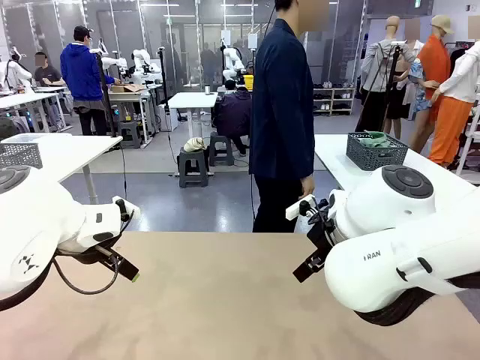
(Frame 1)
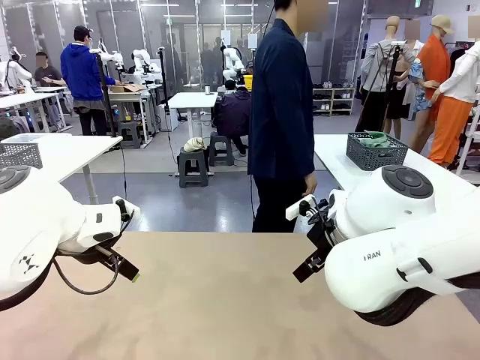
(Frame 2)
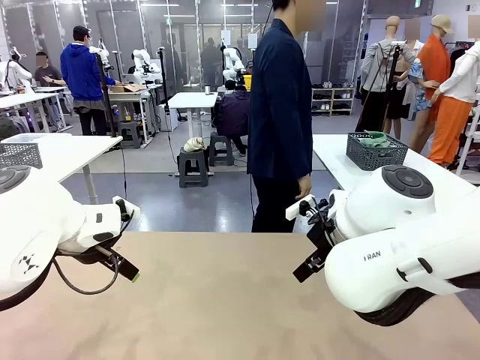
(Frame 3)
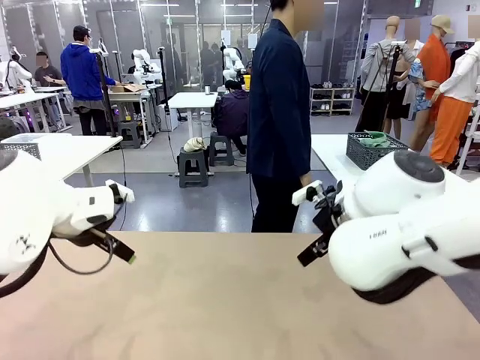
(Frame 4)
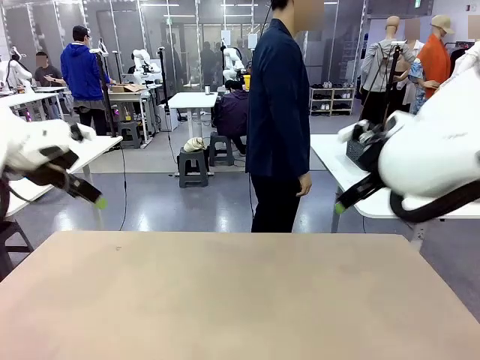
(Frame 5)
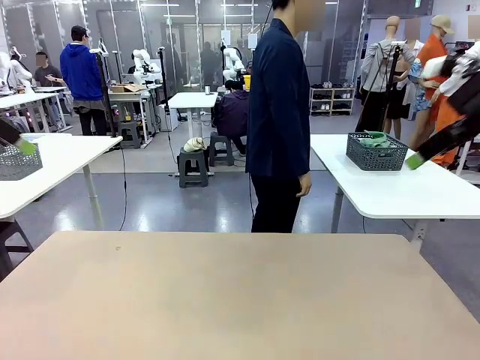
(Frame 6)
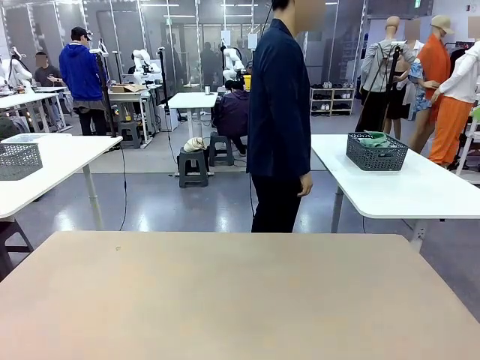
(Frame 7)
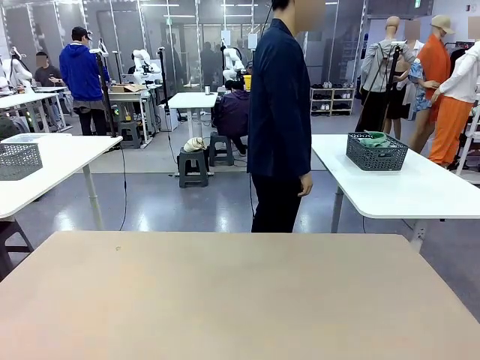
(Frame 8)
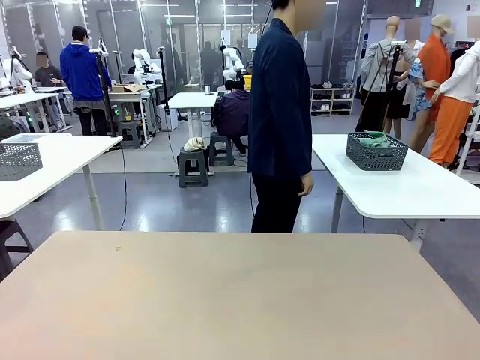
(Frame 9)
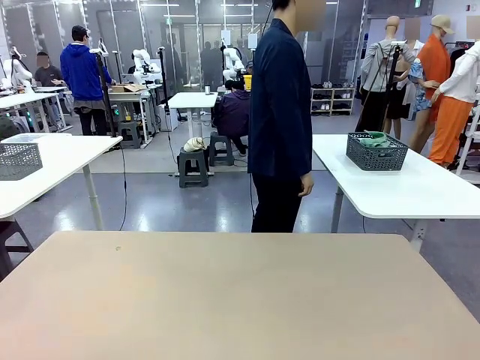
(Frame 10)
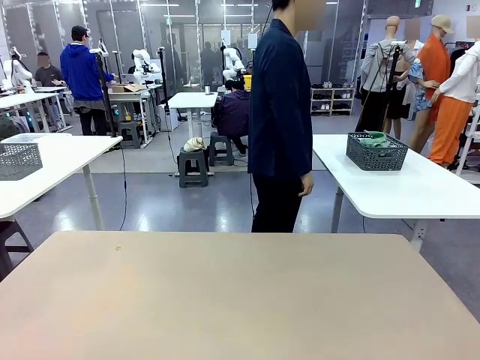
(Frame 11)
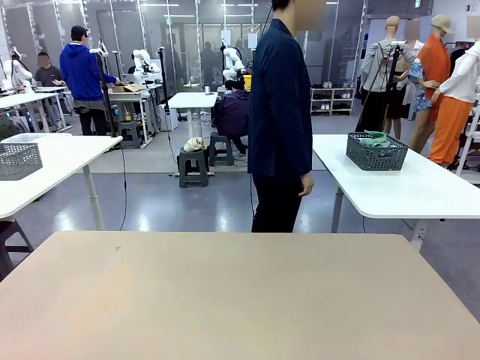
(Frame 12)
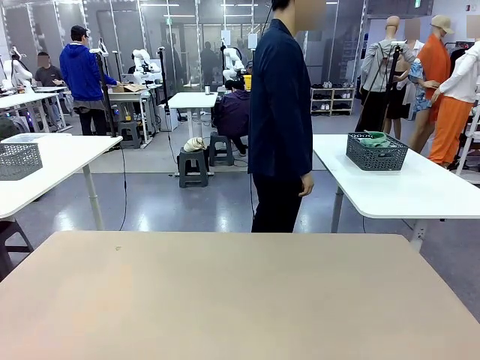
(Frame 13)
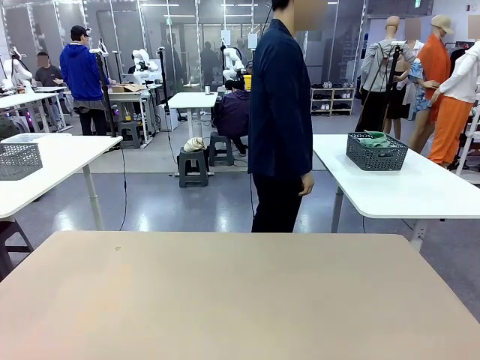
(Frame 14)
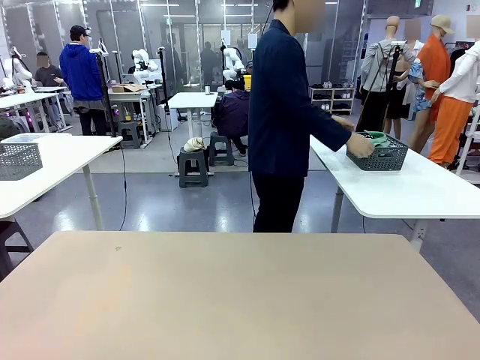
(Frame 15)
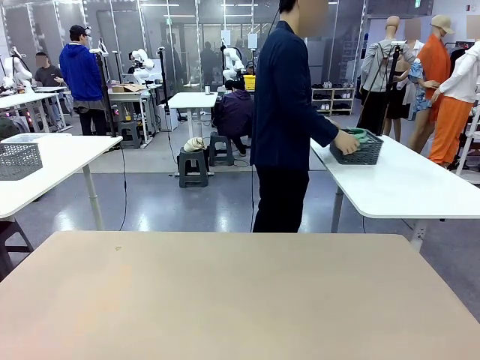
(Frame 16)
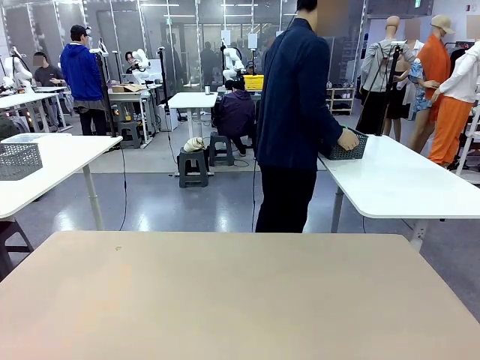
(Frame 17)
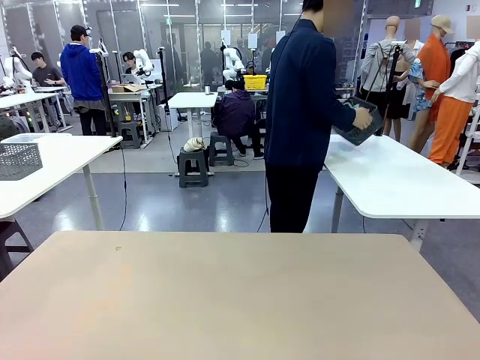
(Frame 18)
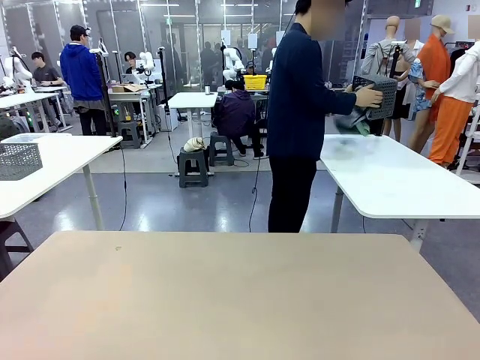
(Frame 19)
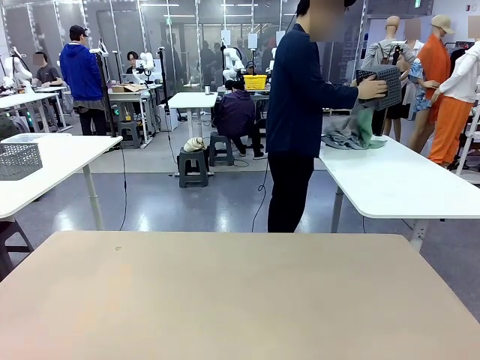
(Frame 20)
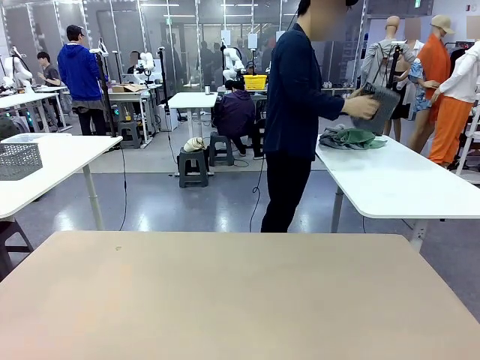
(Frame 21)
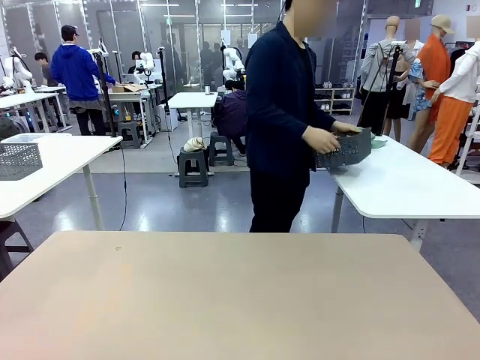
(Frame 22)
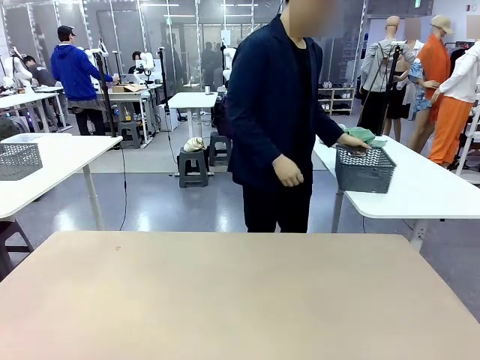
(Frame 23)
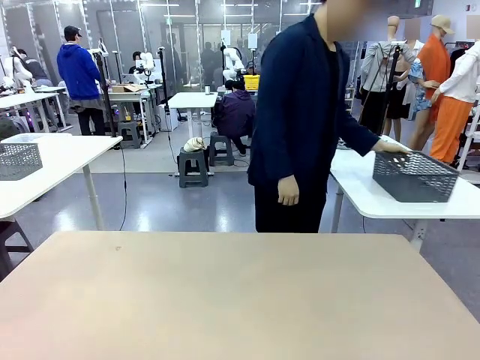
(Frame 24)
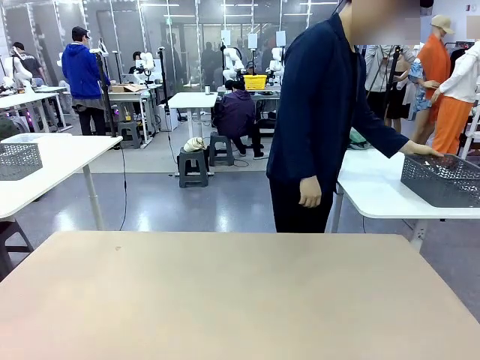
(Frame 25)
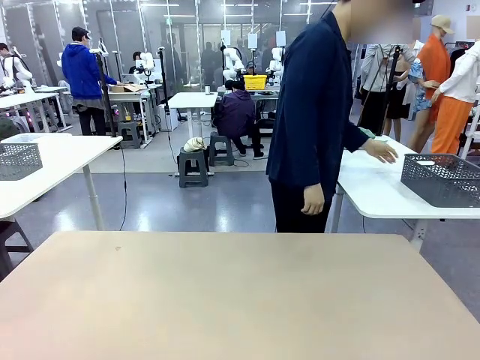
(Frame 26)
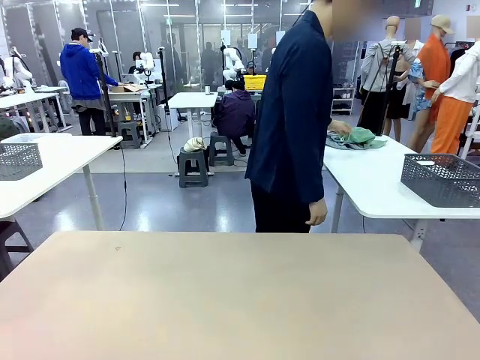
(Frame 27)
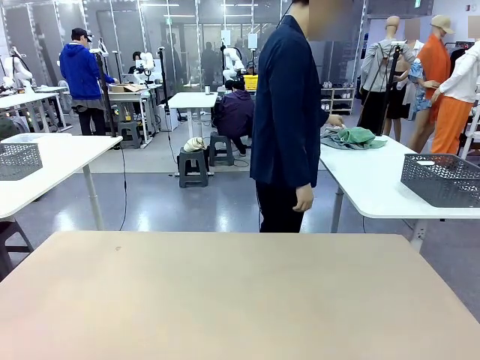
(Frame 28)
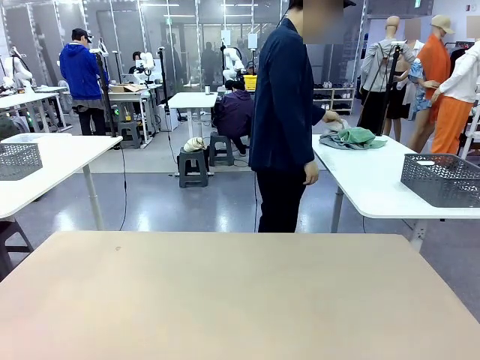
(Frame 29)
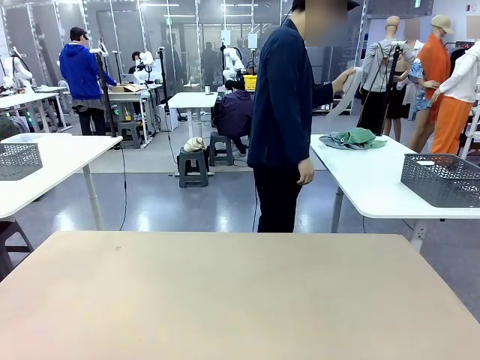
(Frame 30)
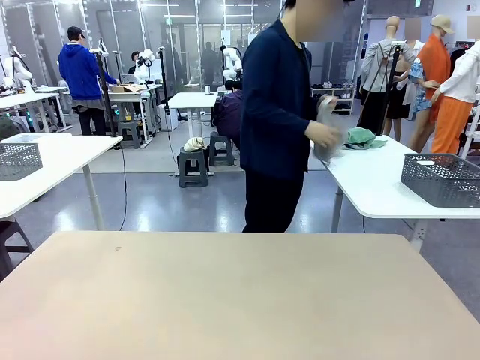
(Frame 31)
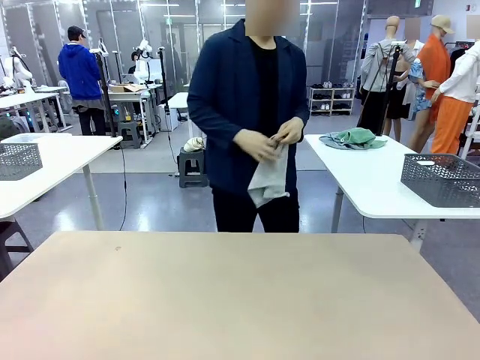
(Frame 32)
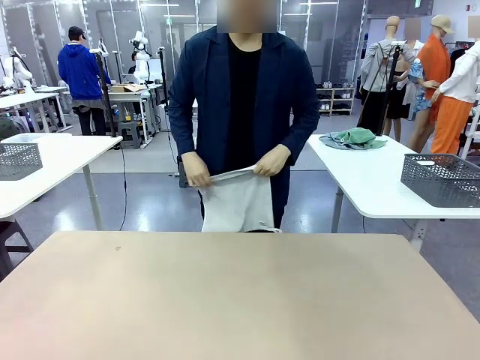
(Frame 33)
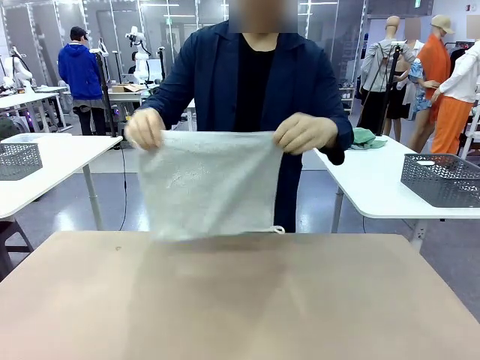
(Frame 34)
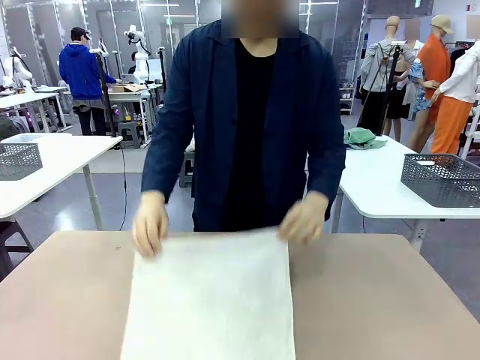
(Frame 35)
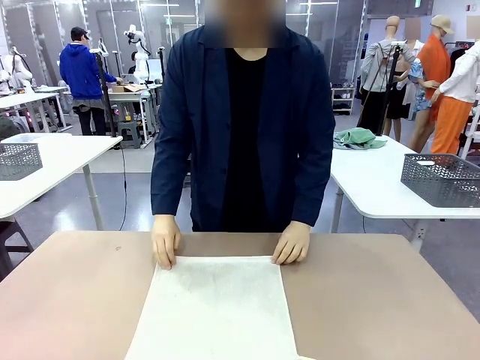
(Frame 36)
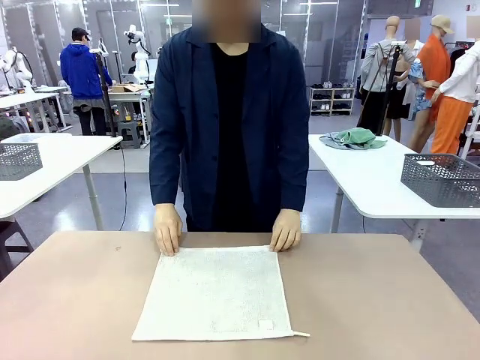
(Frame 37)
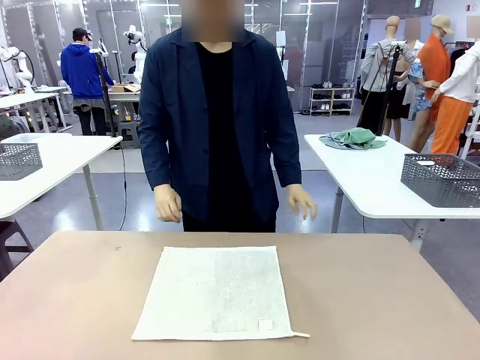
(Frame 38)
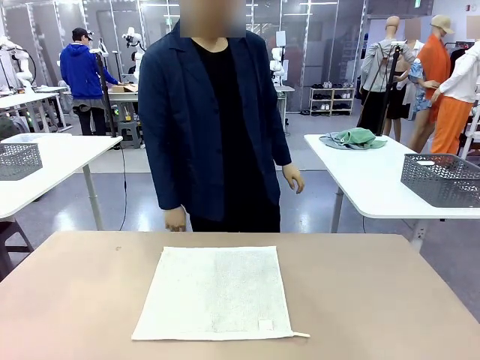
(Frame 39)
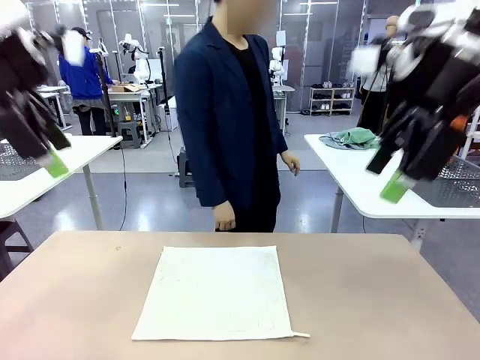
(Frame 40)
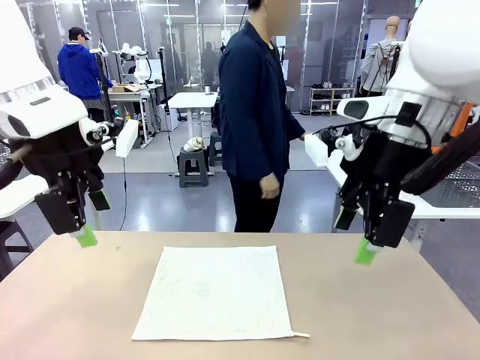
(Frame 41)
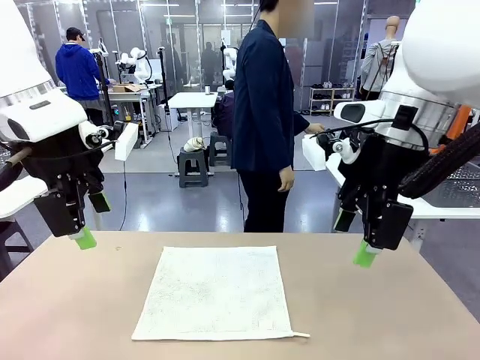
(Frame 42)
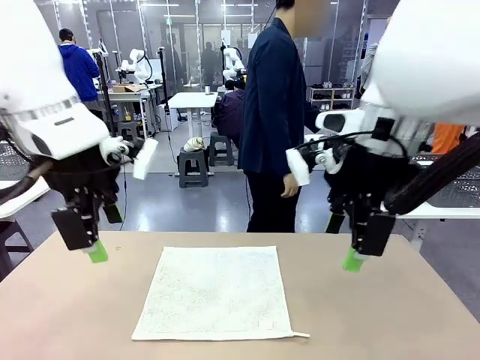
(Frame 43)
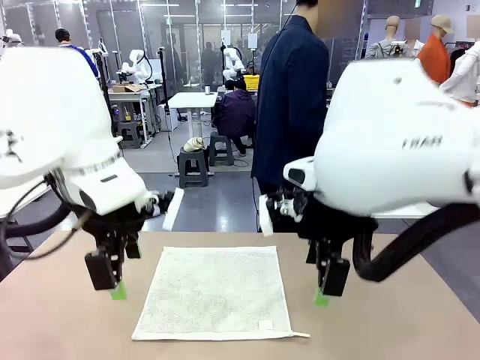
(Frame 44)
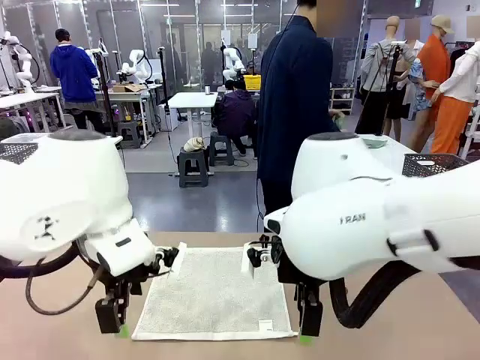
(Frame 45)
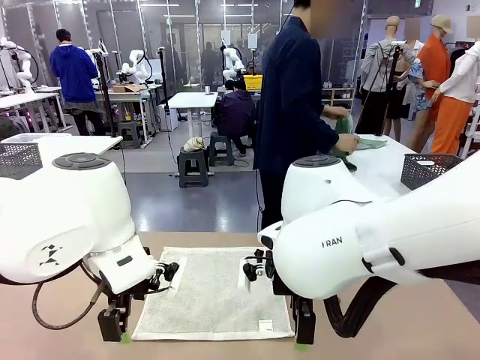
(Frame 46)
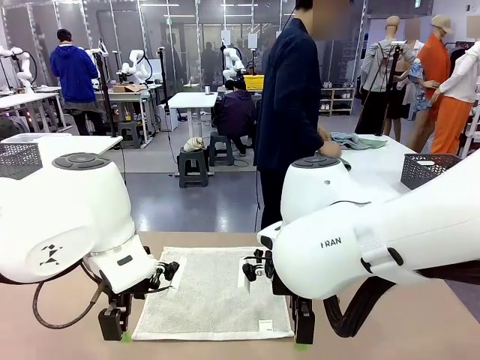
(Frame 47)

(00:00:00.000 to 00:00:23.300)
Task: Fold the towels and place them in the basket.
Robot: When a person lays out a Towel with hook on the table, fold it in half twice.
Person: Pick up the basket, pour the towels onto the left side of the human table, and place the basket on the right side. Pick up one towel and spread it out at the center of the robot table.
